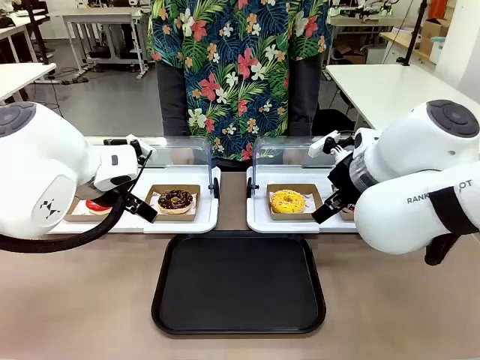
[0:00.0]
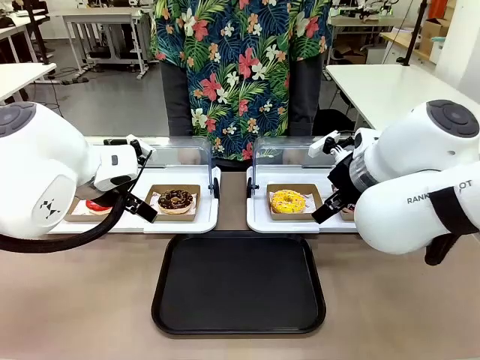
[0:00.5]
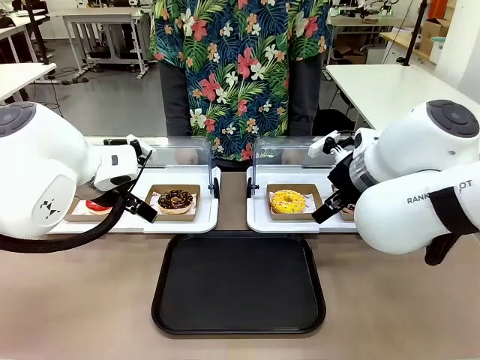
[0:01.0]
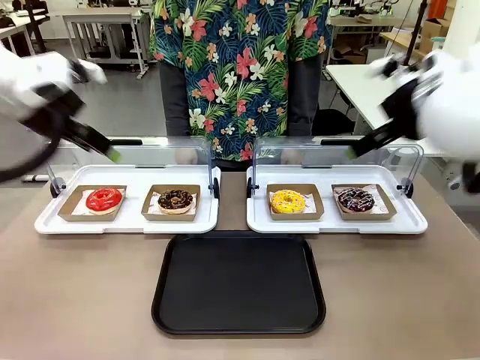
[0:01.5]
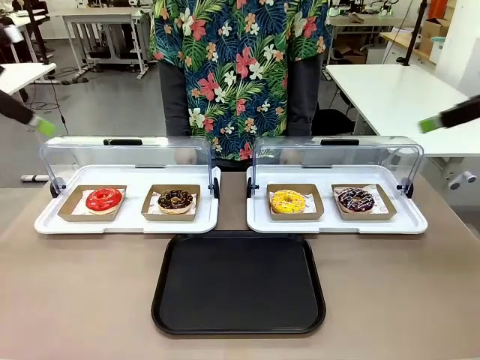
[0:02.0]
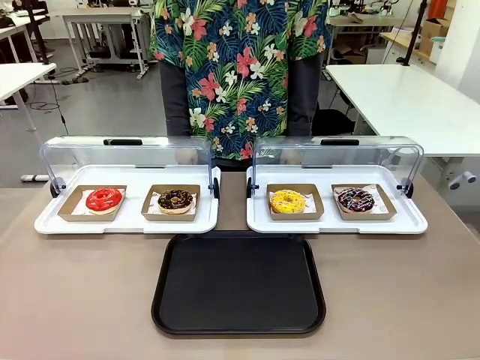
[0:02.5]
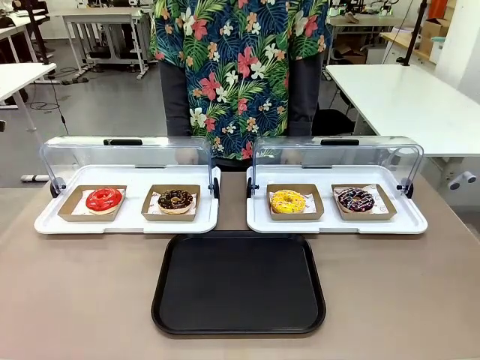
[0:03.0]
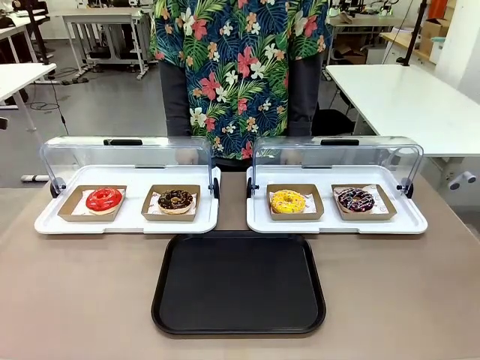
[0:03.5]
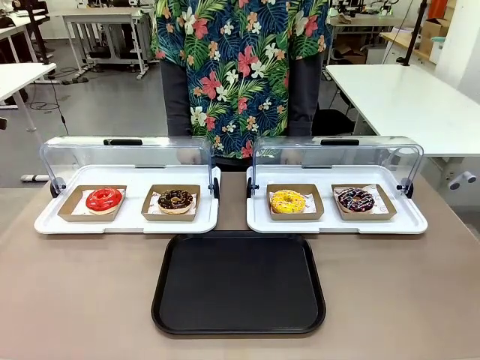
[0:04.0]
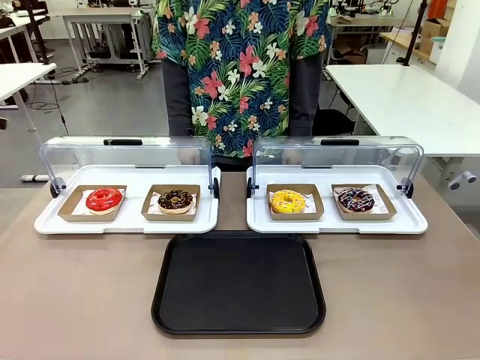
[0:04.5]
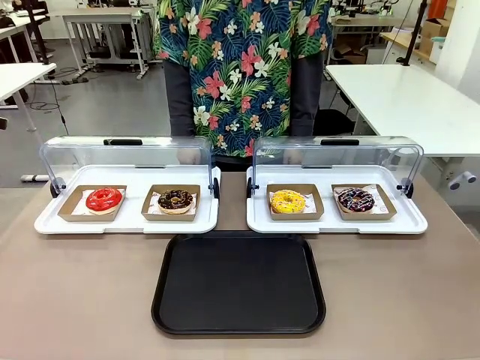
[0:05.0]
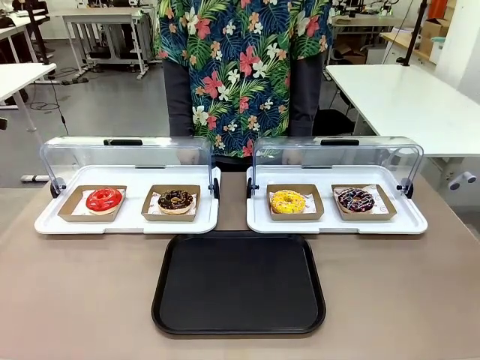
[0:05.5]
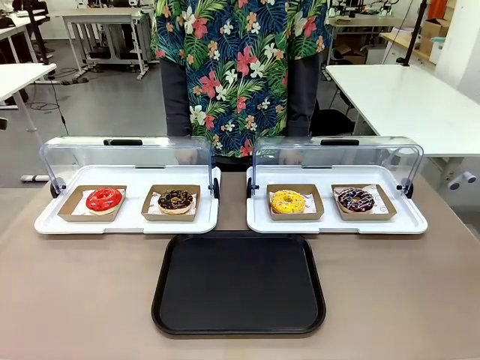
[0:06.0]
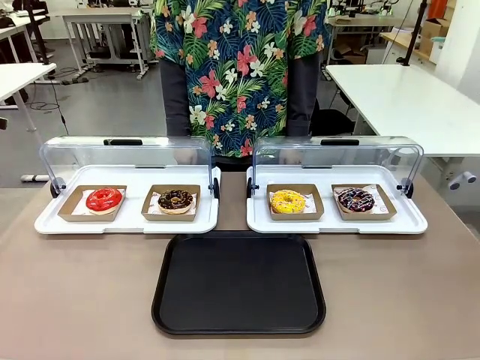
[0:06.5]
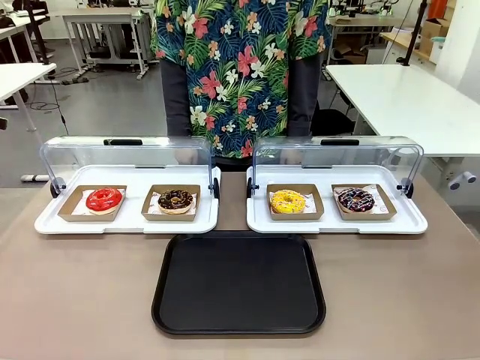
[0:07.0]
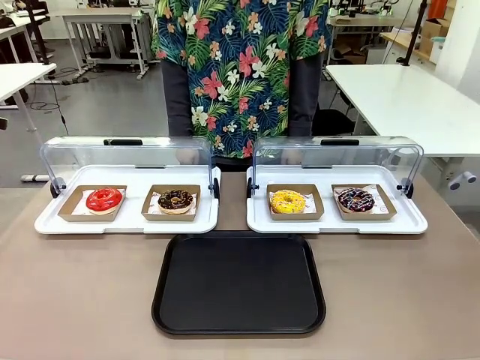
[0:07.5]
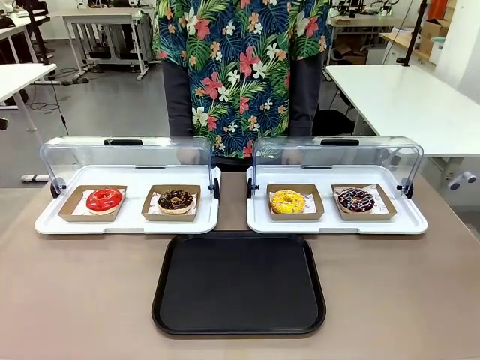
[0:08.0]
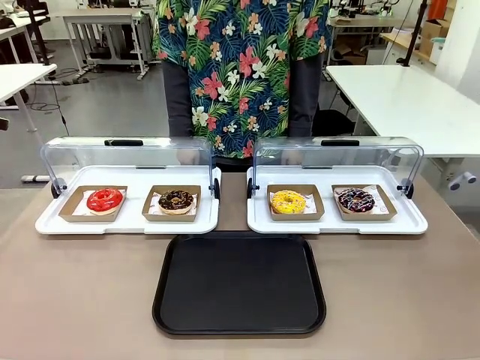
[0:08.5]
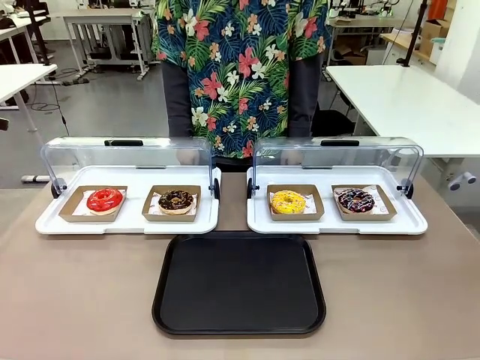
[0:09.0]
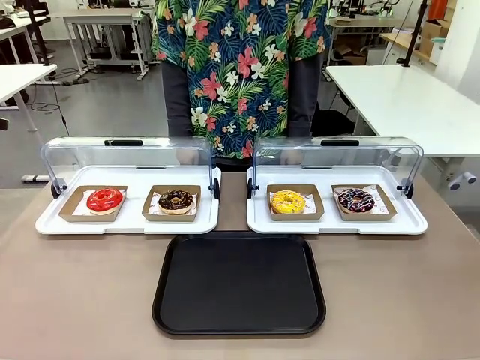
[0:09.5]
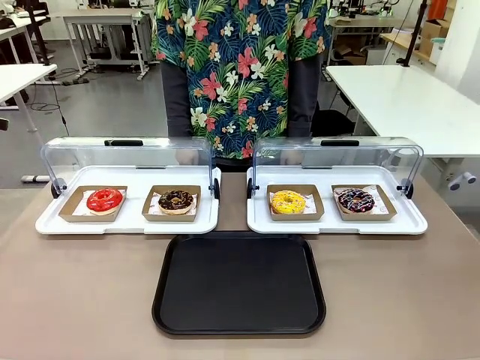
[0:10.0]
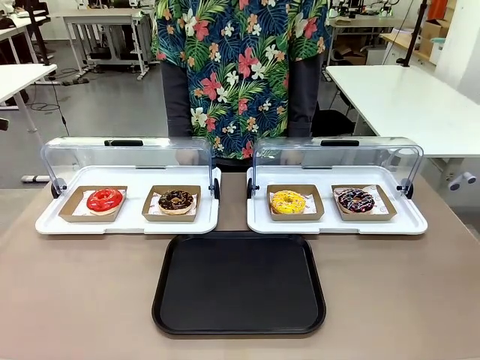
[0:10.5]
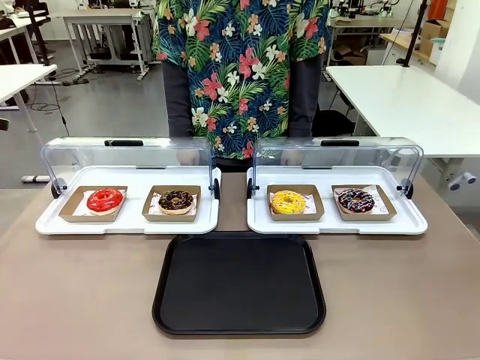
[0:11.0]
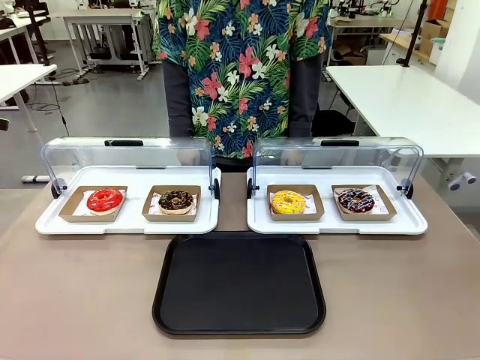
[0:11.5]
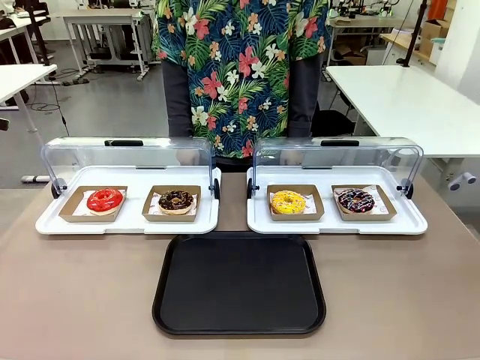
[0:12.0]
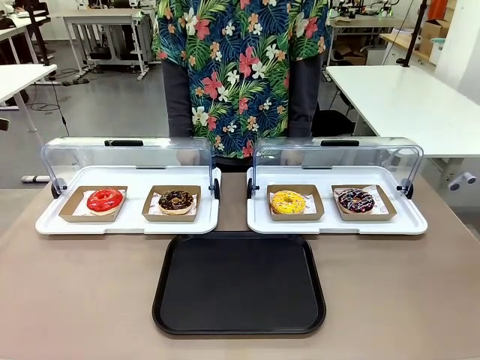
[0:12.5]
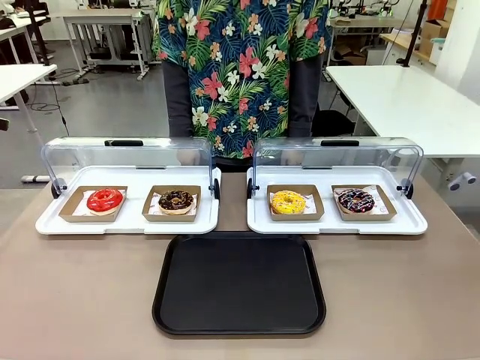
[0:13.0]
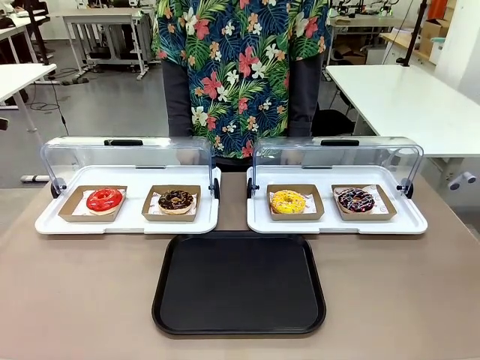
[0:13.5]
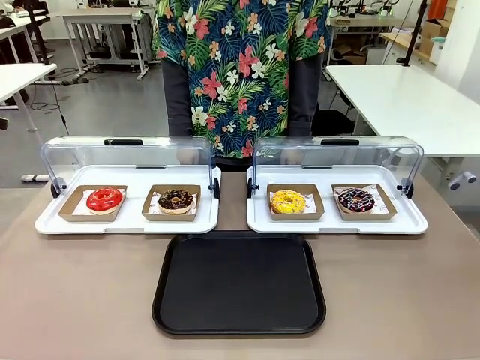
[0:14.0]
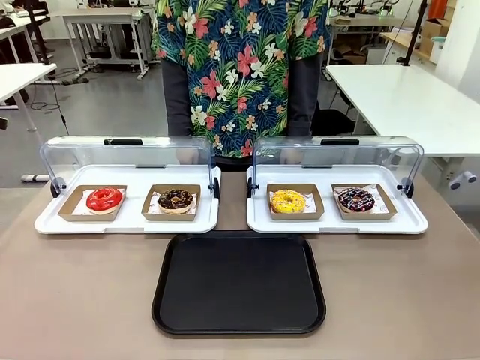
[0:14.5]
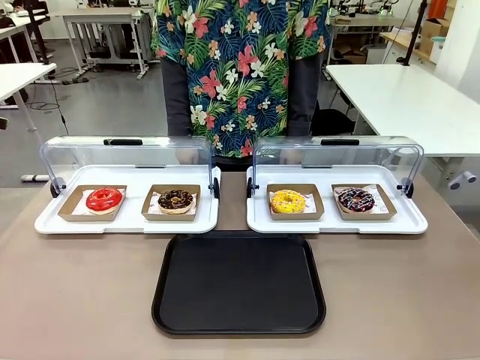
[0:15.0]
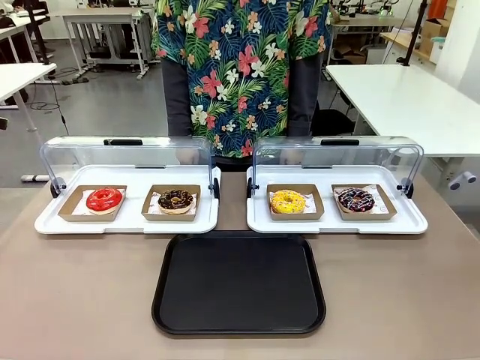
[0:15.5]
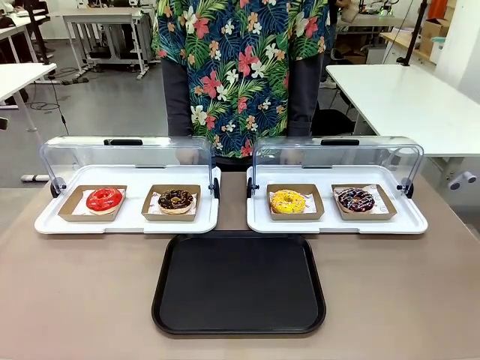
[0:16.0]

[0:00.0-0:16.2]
Task: Move the fourth donut from the left to the tray.
Robot: Pick up the Paper togo box containing the Donut indicated by the person and place it on the Handle tray.

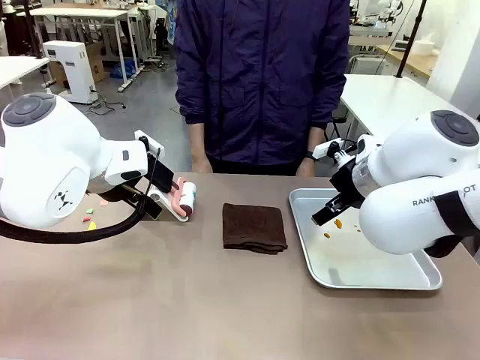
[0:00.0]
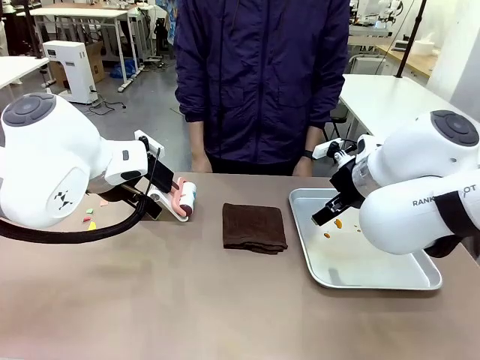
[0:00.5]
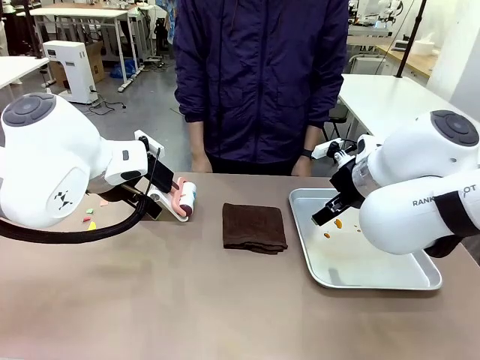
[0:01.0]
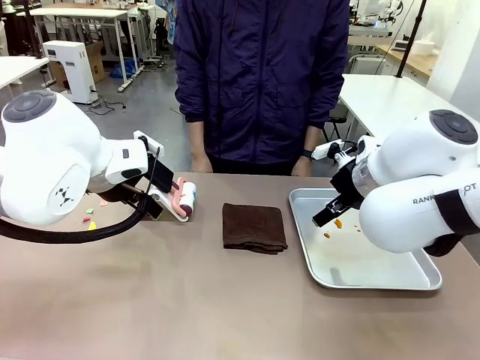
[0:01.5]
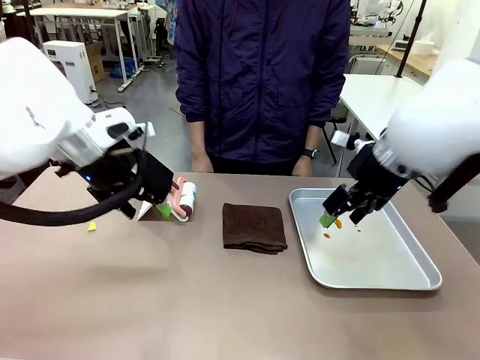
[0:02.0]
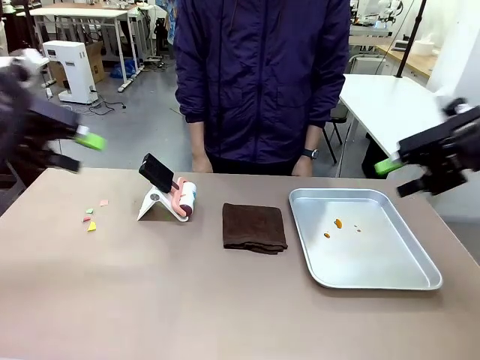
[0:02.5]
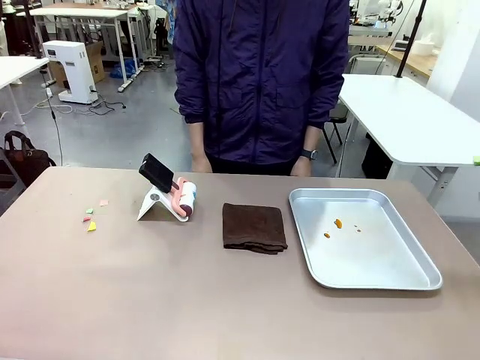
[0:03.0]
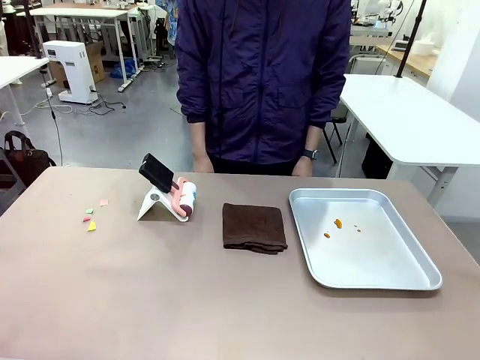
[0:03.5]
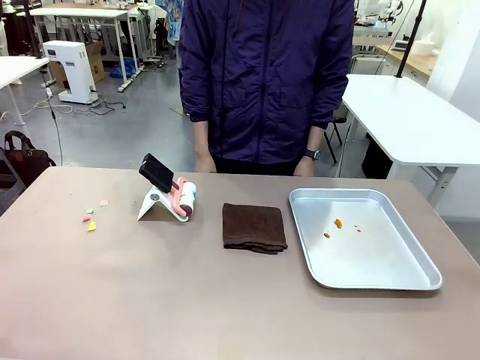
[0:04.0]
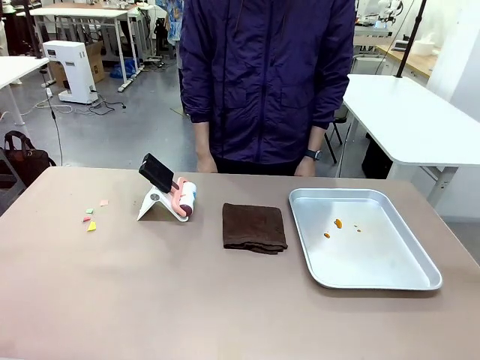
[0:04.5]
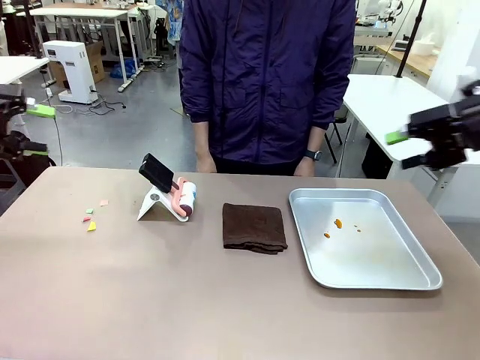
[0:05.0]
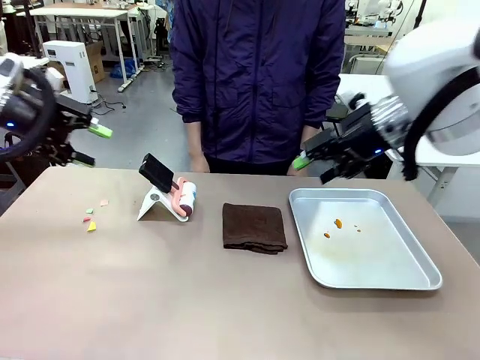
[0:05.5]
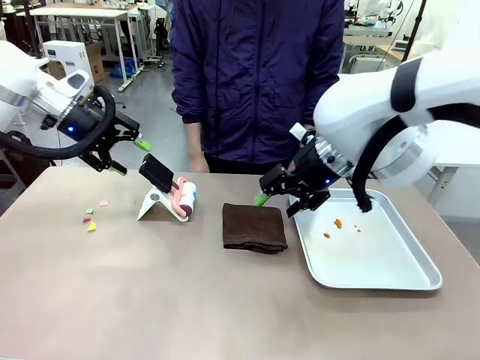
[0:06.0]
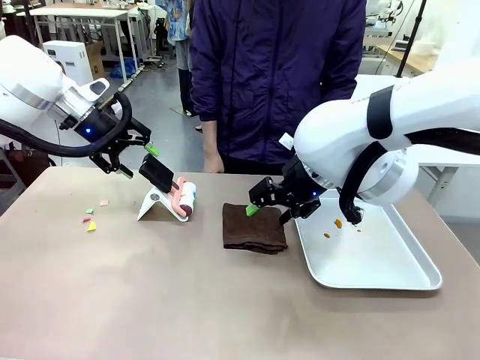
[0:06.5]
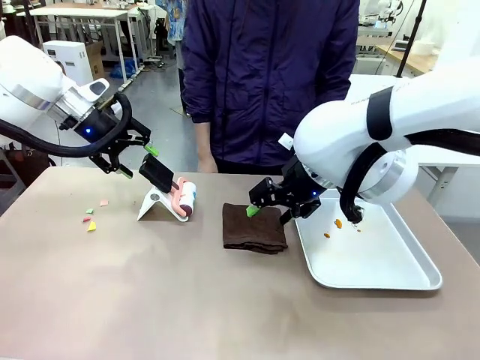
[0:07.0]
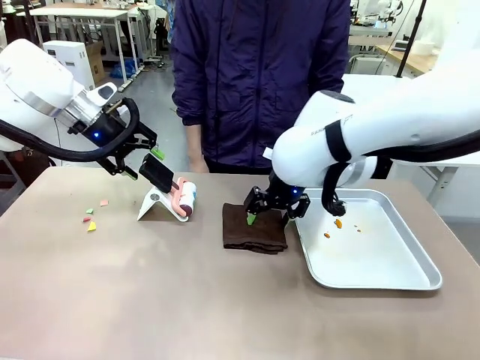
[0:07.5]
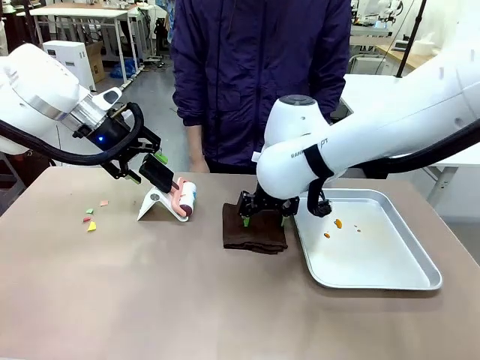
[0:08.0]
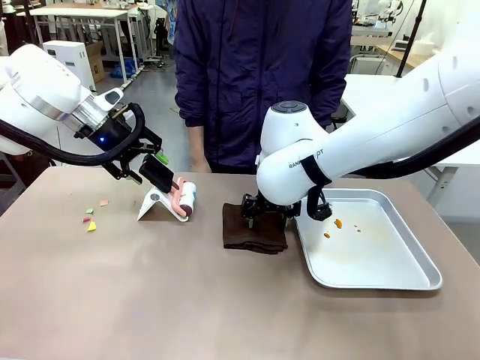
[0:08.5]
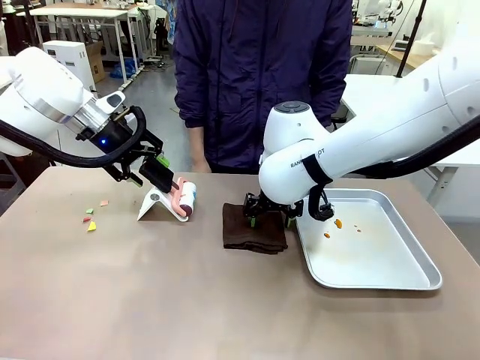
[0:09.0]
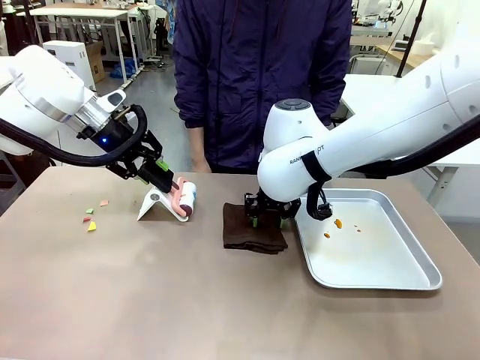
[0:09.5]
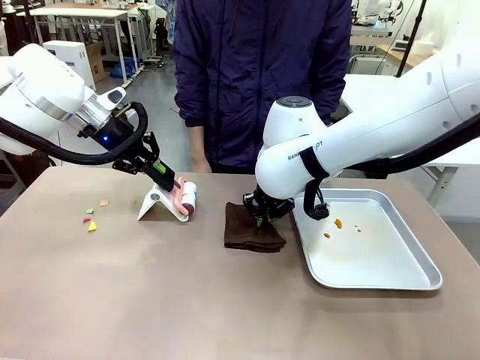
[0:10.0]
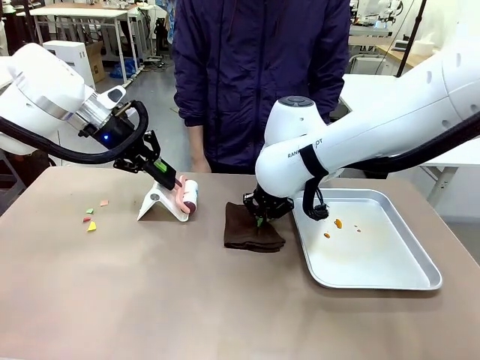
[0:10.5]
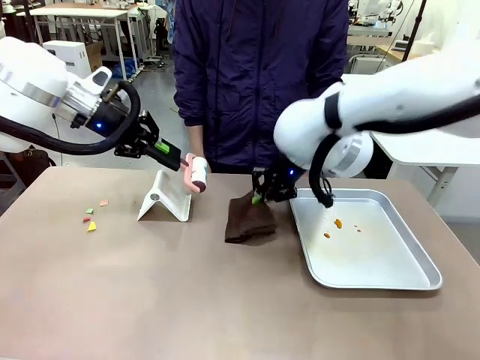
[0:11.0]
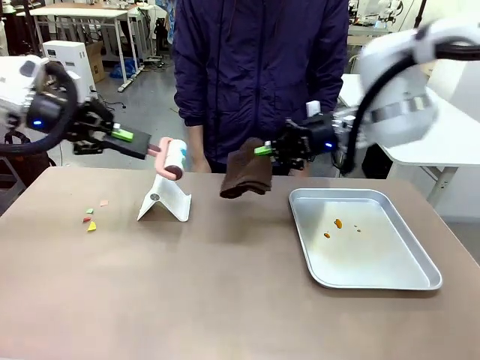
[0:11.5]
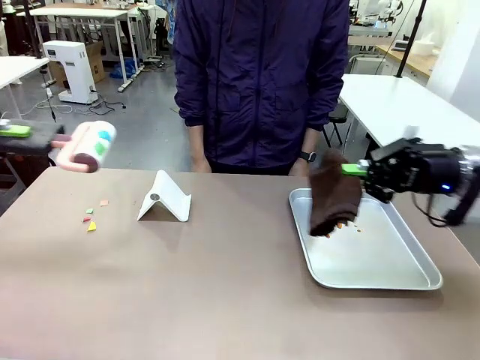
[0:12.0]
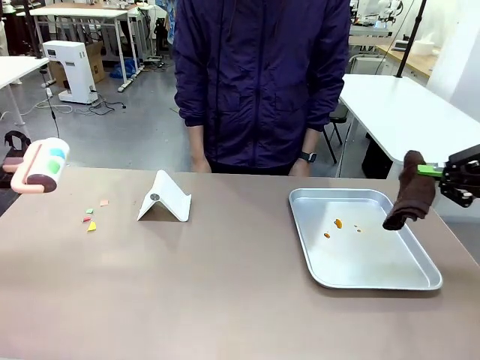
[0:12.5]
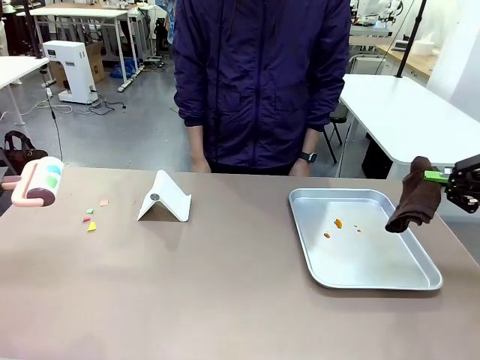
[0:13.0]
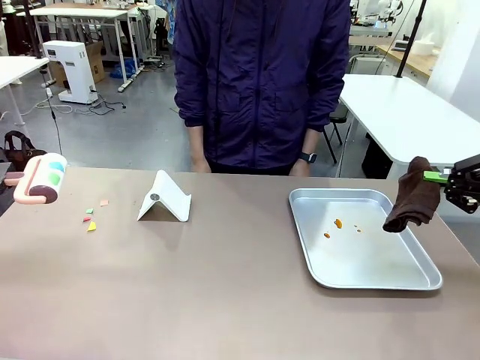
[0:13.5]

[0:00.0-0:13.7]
Task: Clean the surface of the table.
Robot: Hold the Lint Roller with your left hand and the towel with your right hand.
